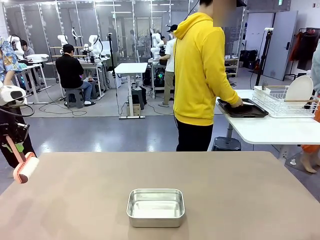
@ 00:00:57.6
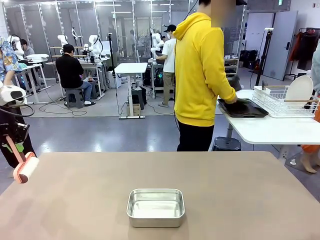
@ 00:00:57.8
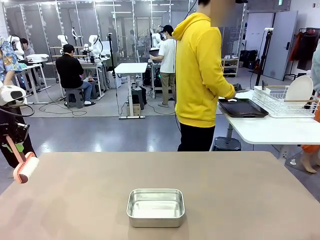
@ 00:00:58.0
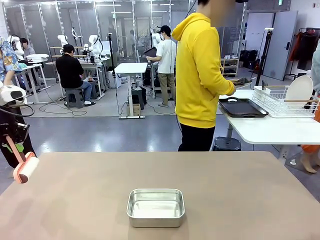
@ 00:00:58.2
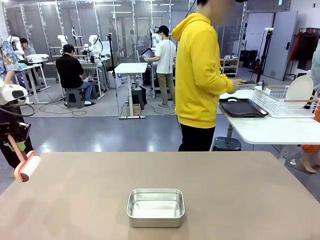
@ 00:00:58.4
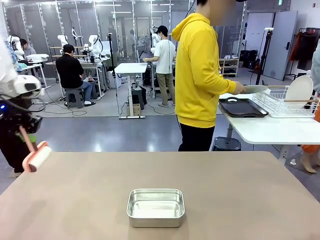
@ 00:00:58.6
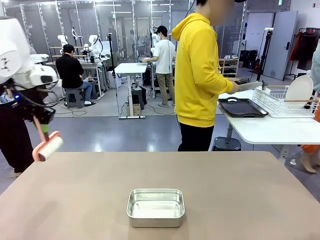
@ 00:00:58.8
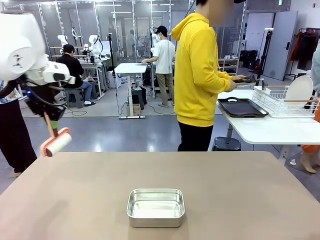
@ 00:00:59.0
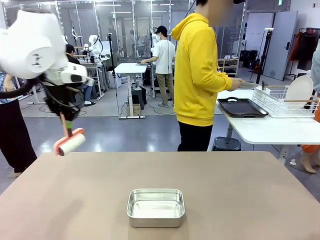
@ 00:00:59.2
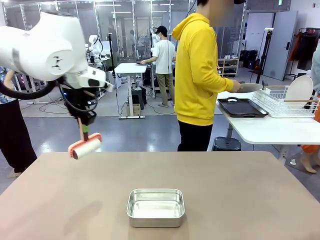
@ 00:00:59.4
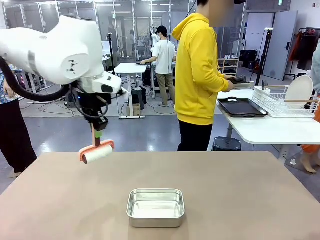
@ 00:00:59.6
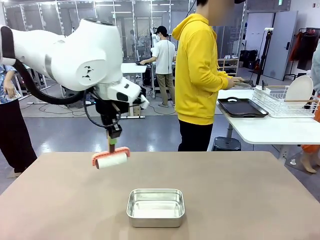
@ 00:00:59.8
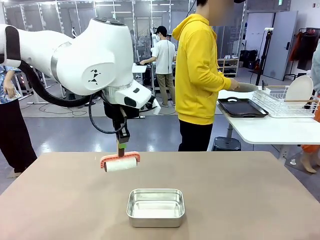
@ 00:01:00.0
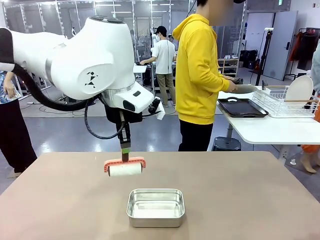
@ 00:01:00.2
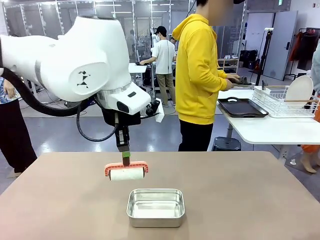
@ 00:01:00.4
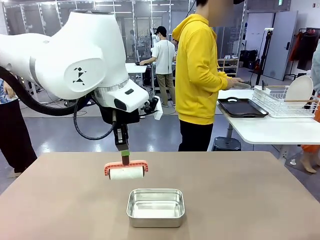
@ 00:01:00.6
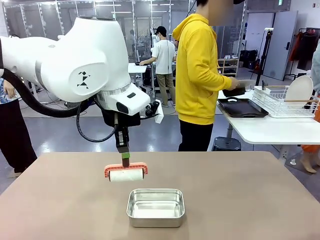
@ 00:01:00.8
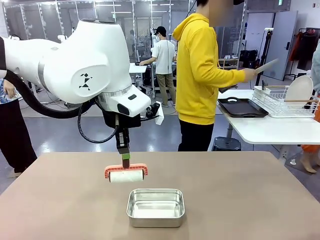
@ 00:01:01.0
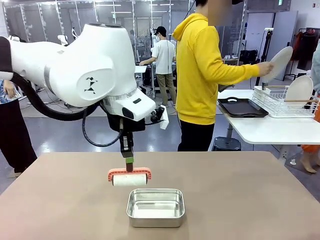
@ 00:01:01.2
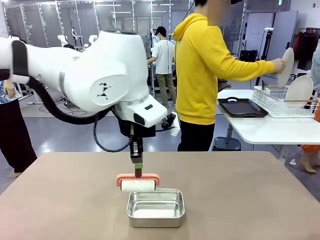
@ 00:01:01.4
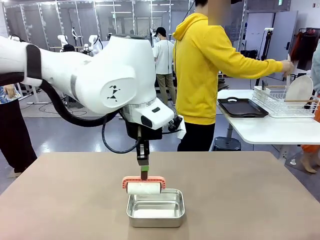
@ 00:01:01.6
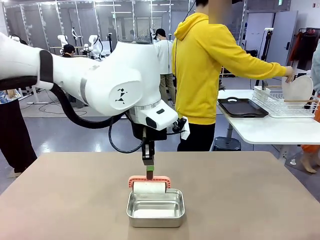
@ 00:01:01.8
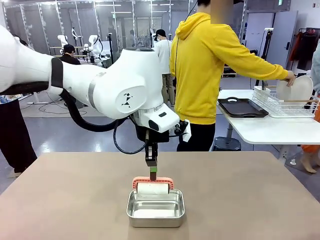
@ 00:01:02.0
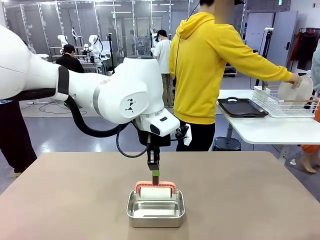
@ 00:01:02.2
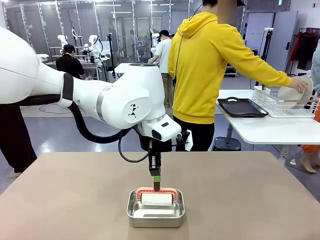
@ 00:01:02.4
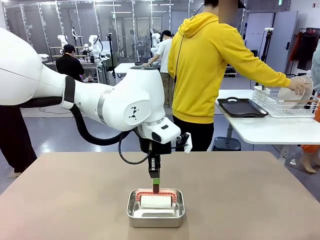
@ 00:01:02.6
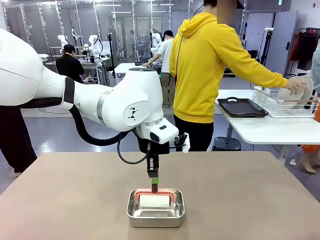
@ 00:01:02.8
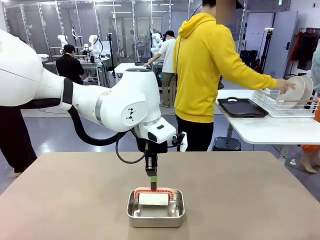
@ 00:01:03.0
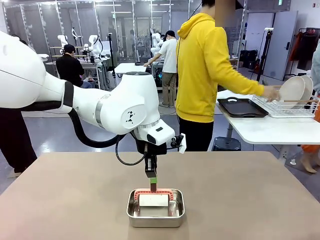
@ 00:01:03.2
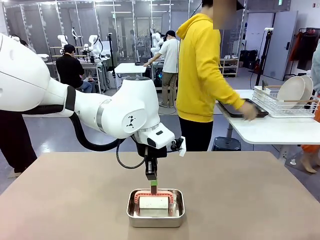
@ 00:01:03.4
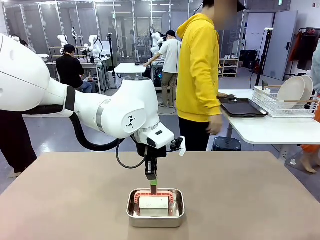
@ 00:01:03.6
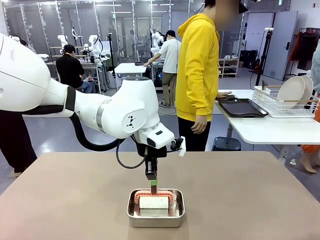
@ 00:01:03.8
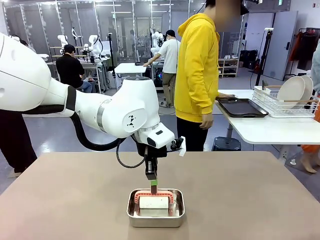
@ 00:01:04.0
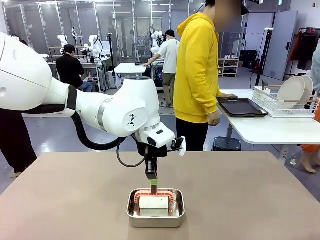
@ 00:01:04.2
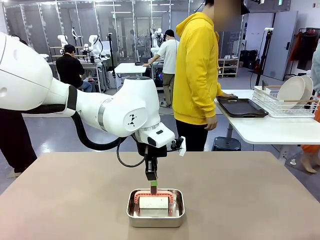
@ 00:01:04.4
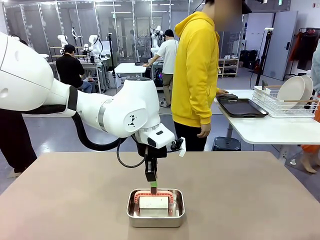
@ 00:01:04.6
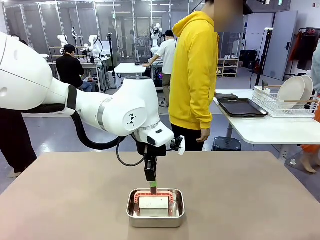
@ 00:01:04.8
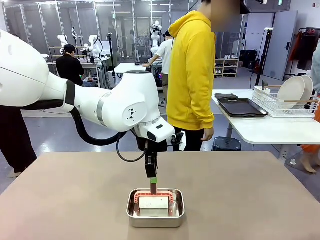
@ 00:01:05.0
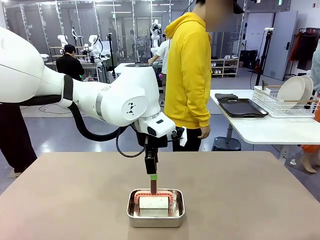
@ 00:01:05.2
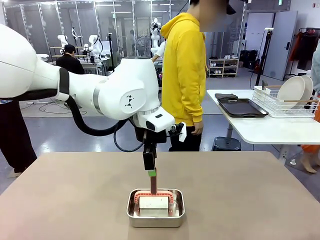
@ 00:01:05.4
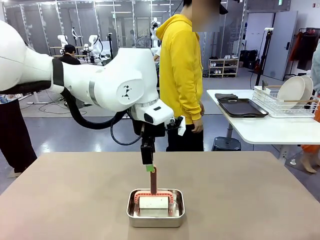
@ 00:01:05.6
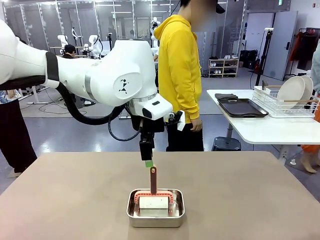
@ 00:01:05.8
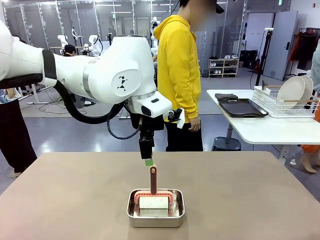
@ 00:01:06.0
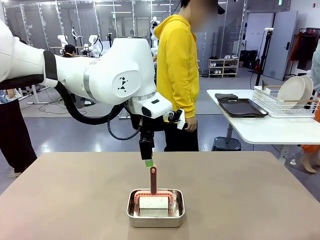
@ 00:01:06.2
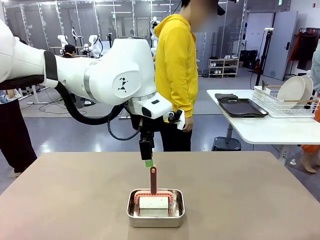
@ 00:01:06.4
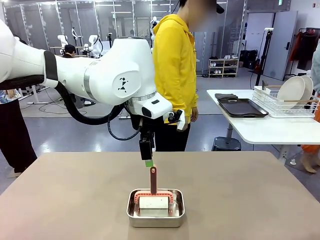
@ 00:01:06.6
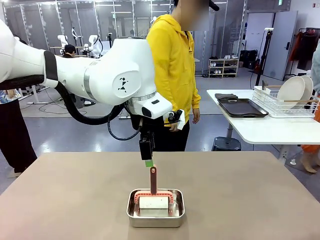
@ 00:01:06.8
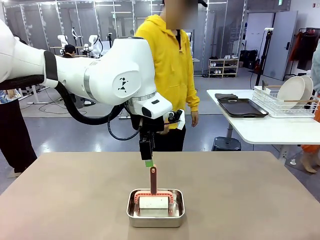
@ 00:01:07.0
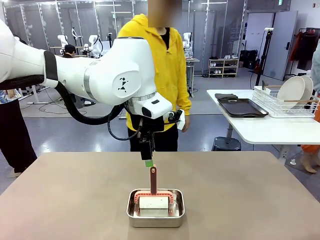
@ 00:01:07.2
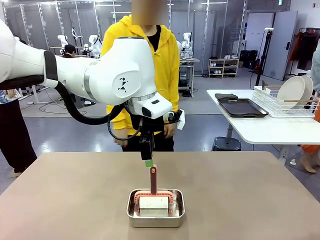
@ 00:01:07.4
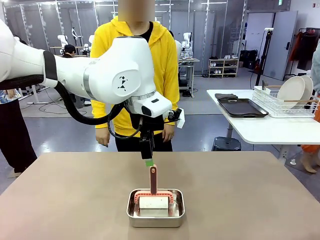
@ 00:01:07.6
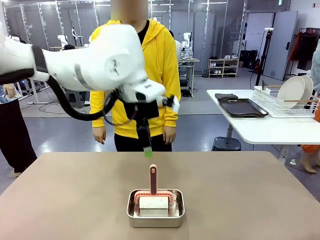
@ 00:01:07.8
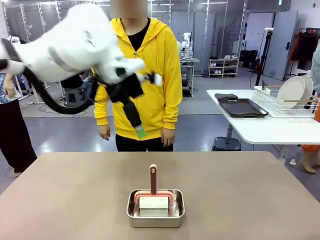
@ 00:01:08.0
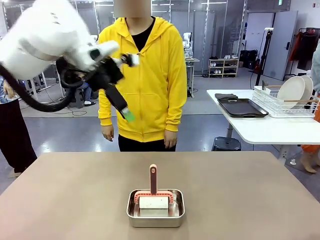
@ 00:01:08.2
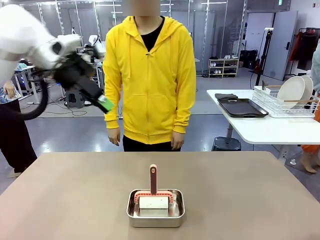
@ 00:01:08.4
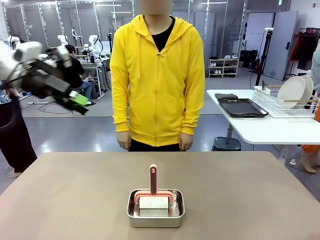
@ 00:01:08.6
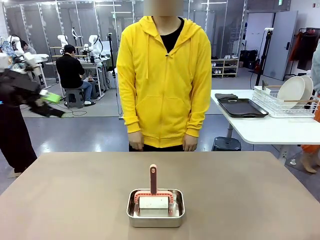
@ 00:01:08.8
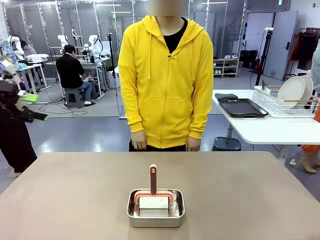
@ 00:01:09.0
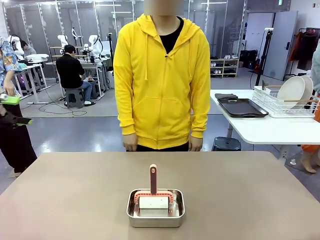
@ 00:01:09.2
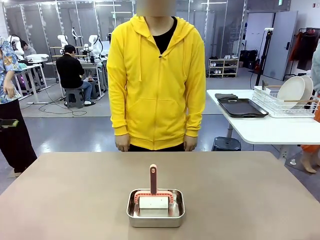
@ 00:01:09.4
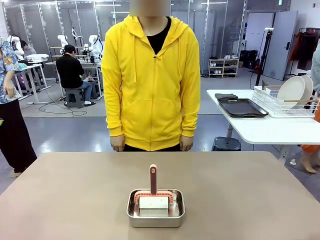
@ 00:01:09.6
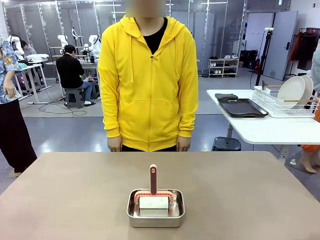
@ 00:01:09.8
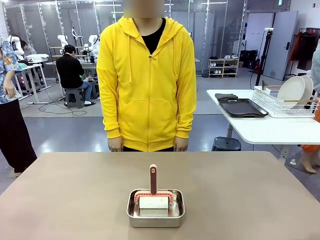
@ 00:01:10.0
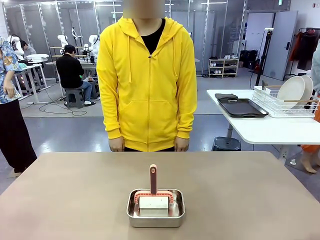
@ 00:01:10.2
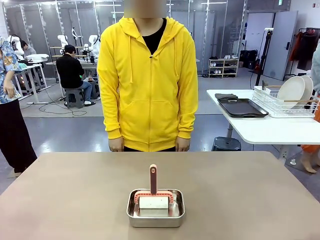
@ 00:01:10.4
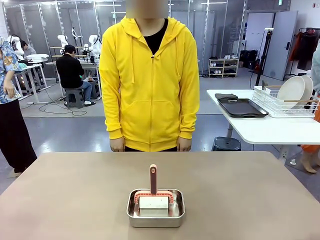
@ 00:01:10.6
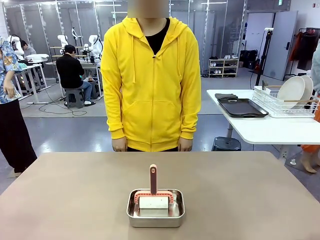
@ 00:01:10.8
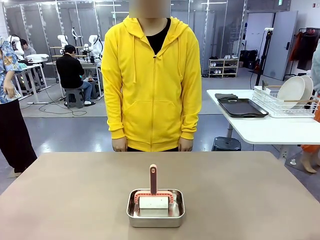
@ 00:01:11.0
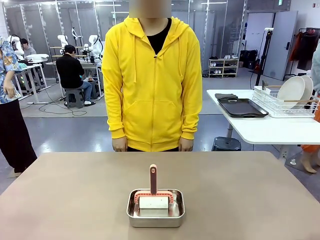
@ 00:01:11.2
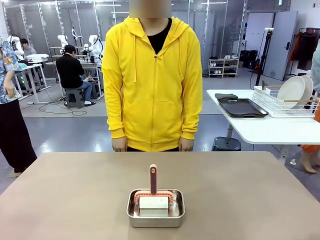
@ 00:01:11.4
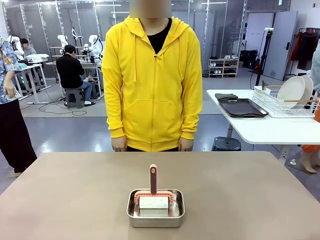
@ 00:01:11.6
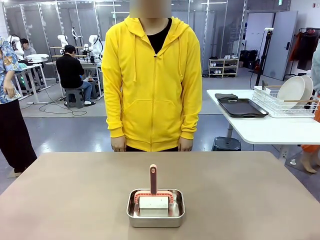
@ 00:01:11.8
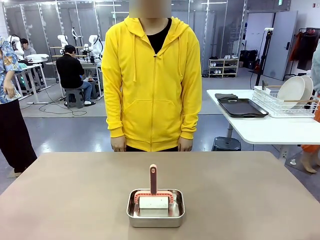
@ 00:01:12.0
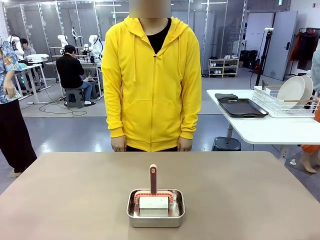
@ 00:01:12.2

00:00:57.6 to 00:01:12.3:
Robot: Place the Lint Roller back on top of the Airtight Container.
Person: Use the Towel with hook to wipe the Plastic Matte Plate , Fork , and Knife and place into the Dish drying rack.

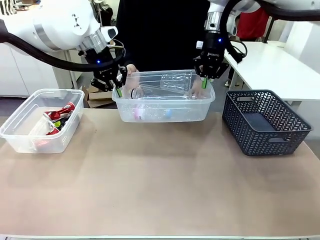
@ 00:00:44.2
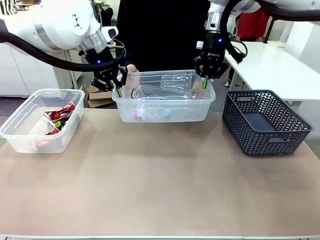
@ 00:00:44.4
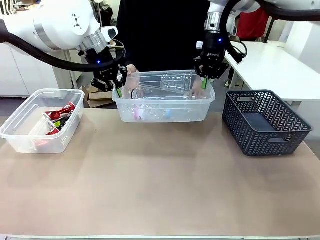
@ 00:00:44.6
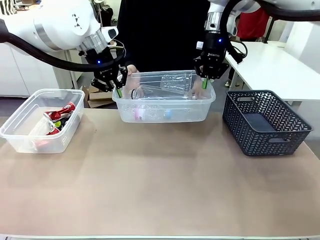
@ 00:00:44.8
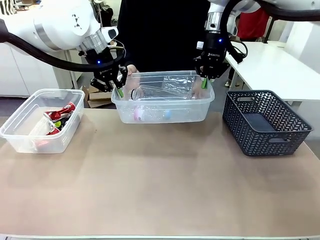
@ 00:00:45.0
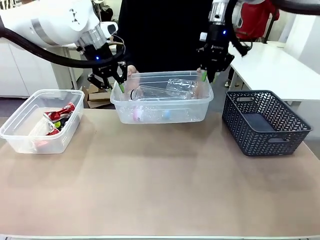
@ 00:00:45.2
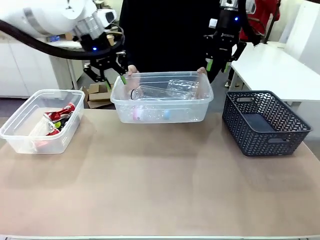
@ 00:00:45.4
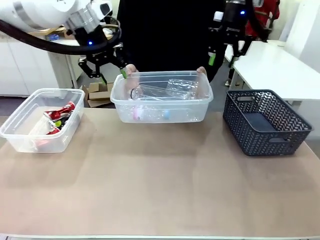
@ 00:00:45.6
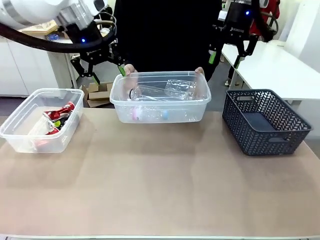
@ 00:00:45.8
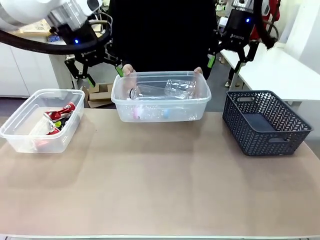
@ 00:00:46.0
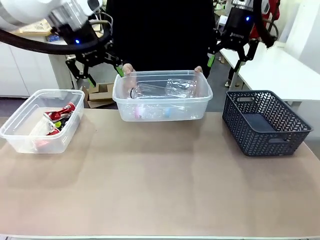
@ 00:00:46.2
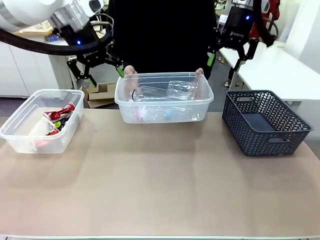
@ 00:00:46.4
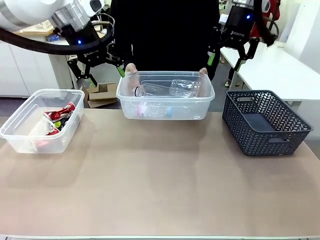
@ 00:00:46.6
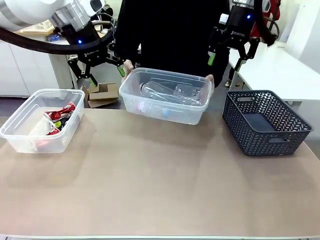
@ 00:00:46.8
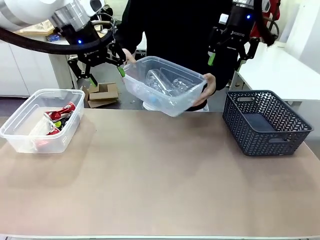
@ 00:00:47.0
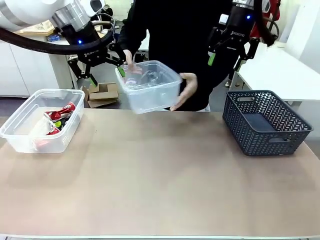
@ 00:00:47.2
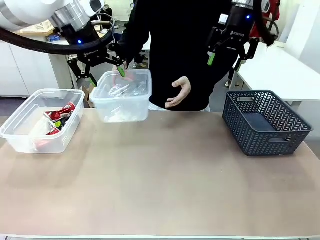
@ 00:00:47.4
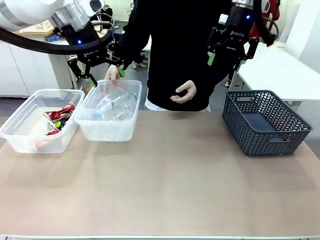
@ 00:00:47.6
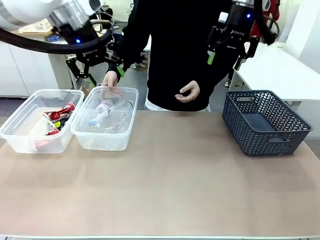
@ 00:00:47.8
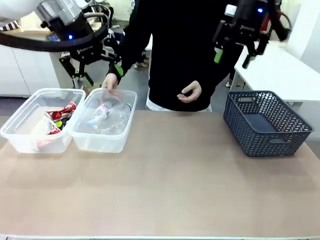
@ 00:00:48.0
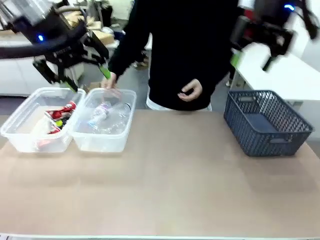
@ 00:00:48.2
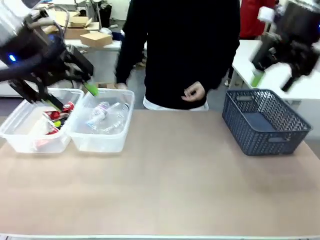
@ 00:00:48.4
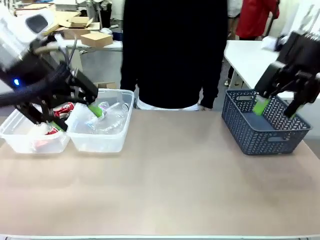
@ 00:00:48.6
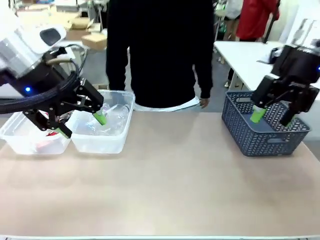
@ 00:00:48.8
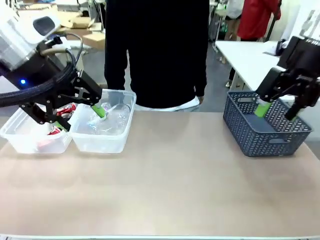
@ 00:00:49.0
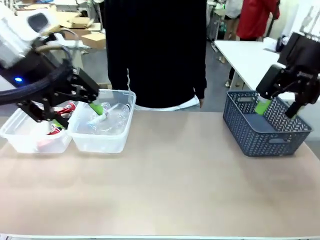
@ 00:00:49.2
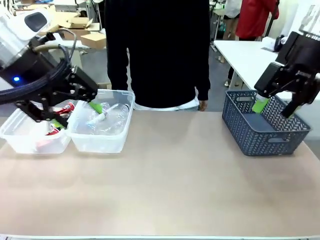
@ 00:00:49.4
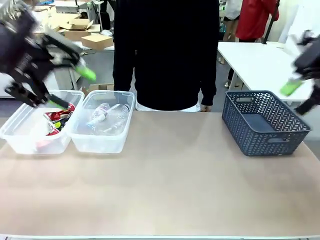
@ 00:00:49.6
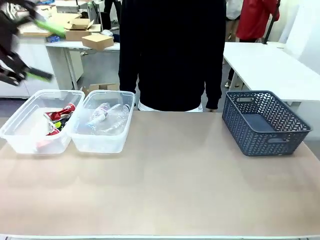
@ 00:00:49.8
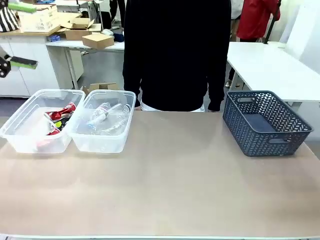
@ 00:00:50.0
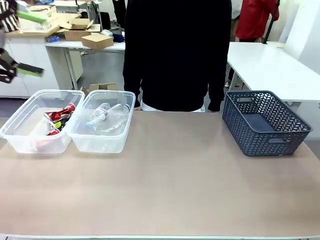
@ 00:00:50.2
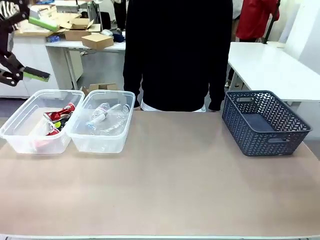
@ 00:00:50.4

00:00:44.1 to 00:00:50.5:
Robot: Release the Organizing box you were holding.
Person: Place the organizing box to the left of the sorting box containing the can waste.
